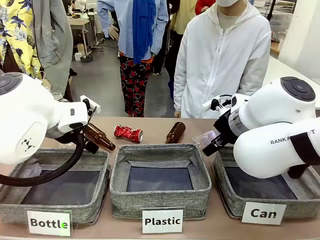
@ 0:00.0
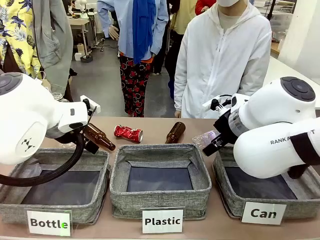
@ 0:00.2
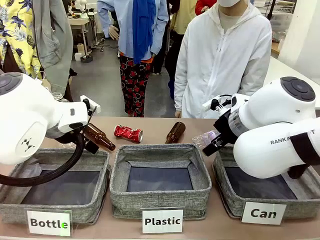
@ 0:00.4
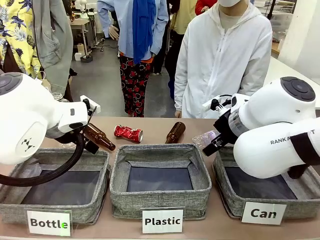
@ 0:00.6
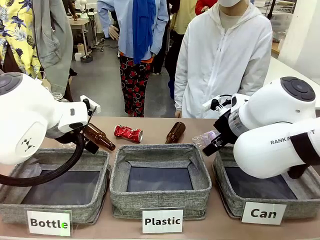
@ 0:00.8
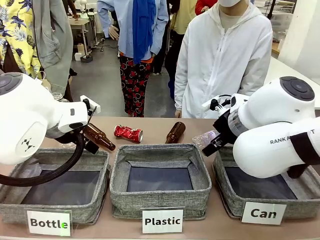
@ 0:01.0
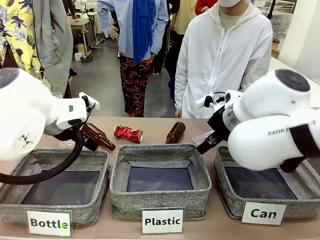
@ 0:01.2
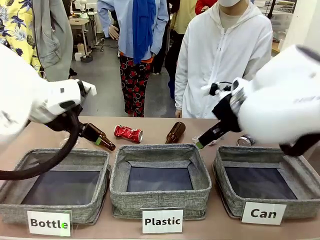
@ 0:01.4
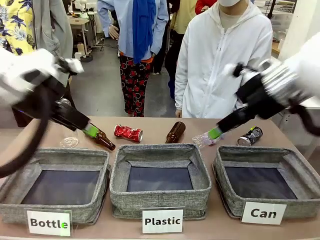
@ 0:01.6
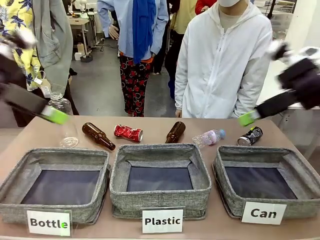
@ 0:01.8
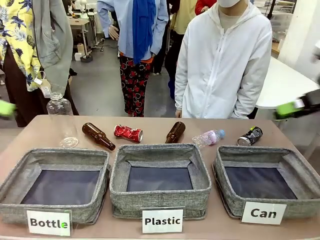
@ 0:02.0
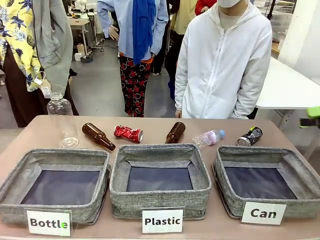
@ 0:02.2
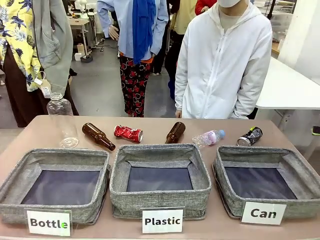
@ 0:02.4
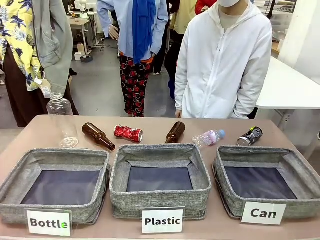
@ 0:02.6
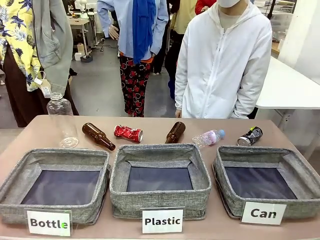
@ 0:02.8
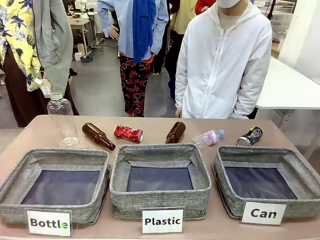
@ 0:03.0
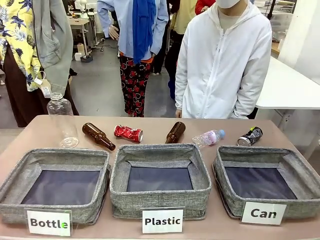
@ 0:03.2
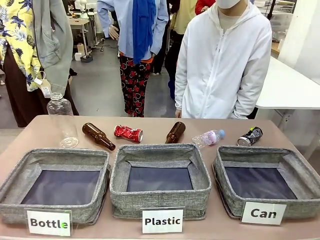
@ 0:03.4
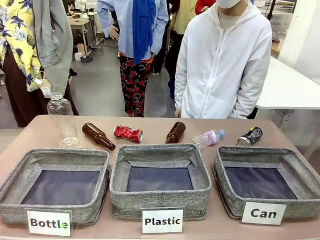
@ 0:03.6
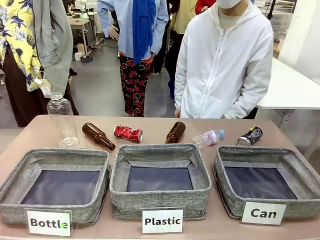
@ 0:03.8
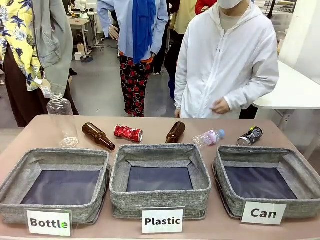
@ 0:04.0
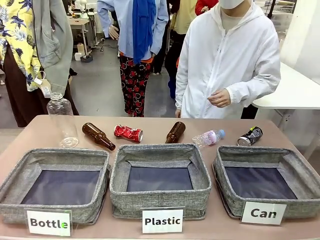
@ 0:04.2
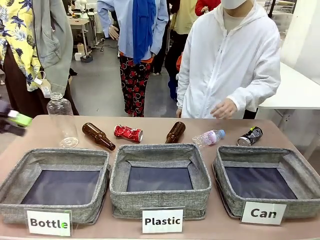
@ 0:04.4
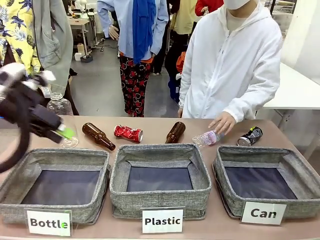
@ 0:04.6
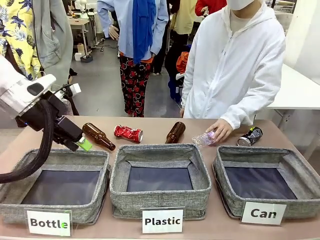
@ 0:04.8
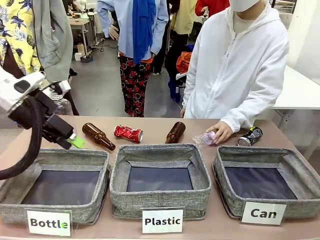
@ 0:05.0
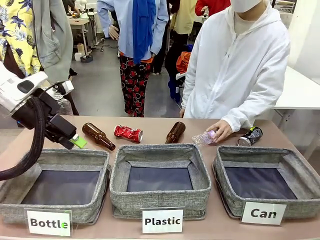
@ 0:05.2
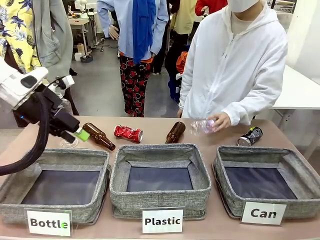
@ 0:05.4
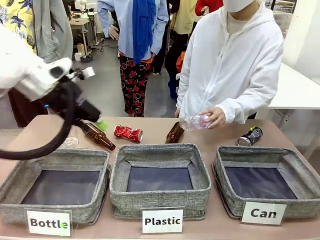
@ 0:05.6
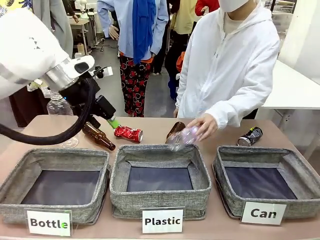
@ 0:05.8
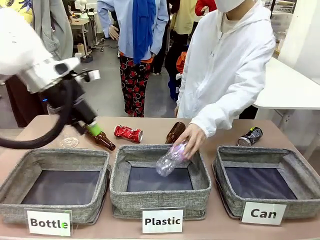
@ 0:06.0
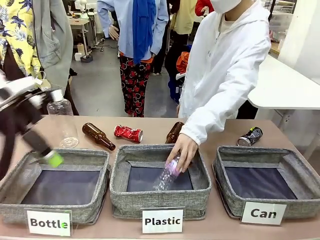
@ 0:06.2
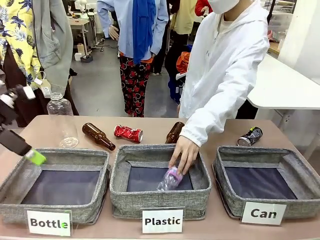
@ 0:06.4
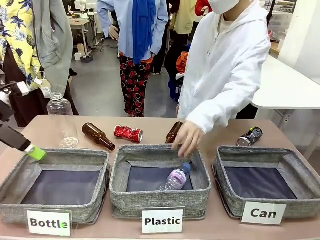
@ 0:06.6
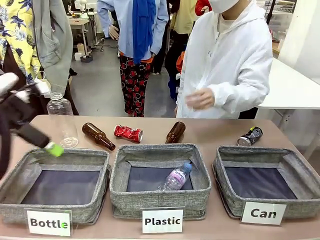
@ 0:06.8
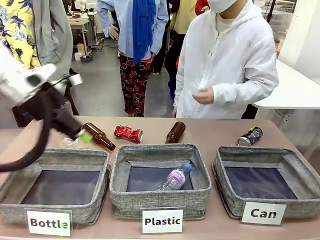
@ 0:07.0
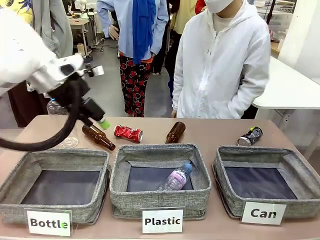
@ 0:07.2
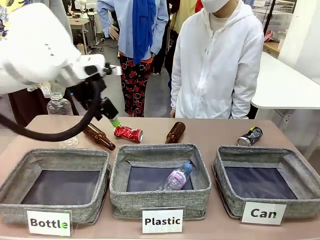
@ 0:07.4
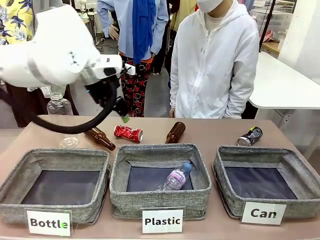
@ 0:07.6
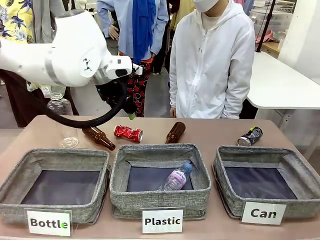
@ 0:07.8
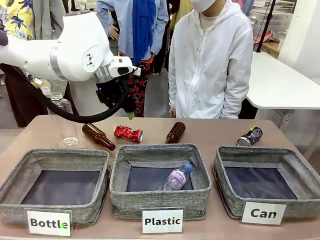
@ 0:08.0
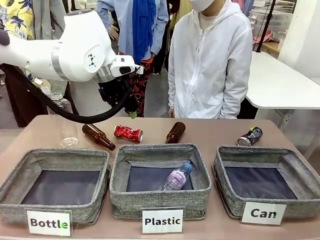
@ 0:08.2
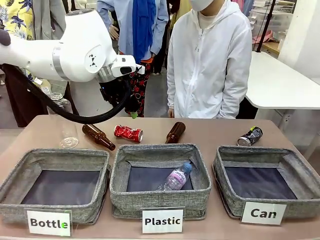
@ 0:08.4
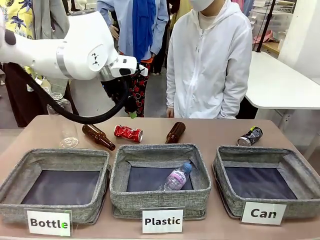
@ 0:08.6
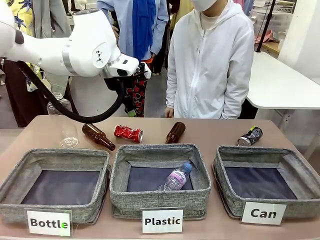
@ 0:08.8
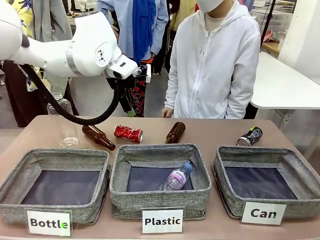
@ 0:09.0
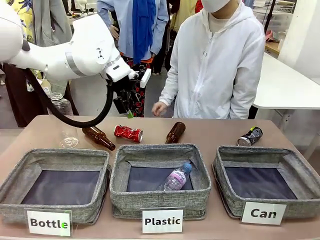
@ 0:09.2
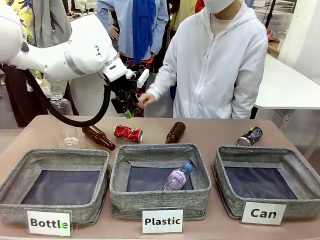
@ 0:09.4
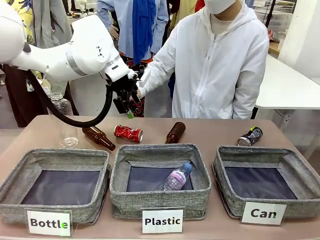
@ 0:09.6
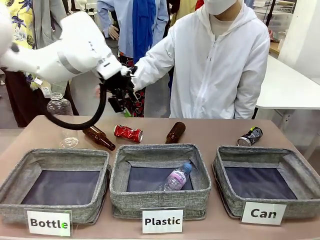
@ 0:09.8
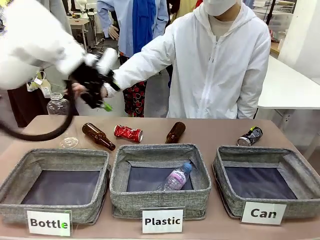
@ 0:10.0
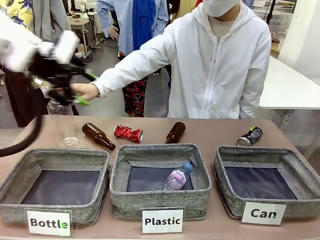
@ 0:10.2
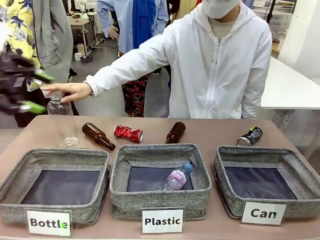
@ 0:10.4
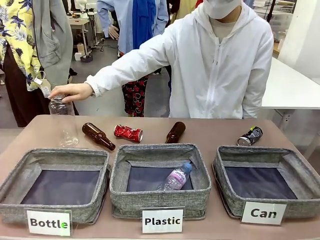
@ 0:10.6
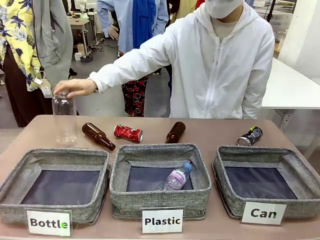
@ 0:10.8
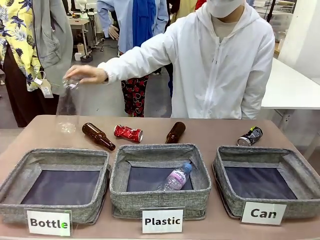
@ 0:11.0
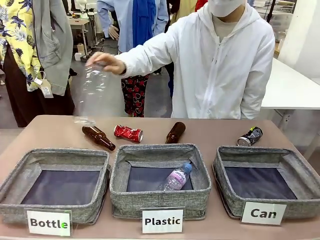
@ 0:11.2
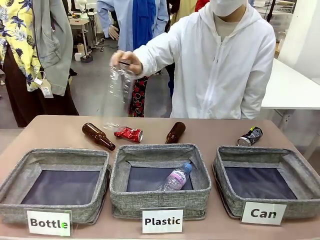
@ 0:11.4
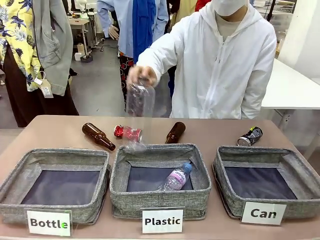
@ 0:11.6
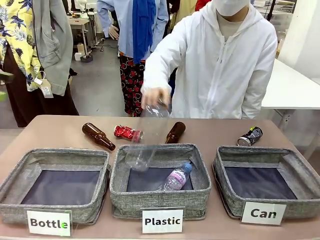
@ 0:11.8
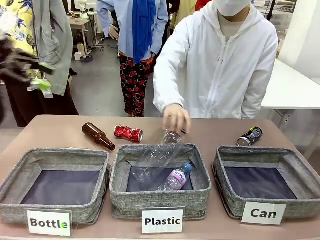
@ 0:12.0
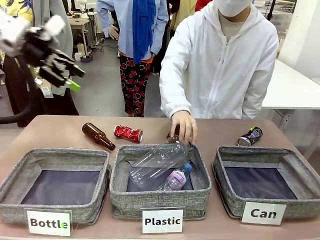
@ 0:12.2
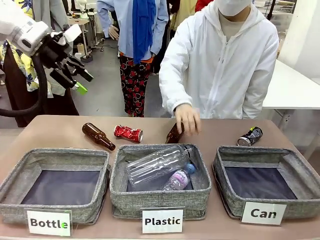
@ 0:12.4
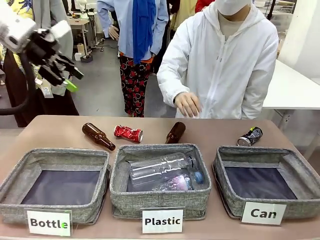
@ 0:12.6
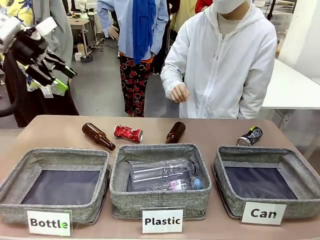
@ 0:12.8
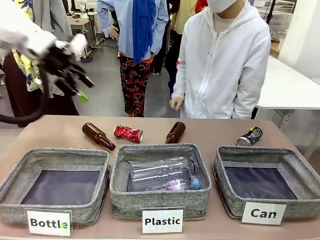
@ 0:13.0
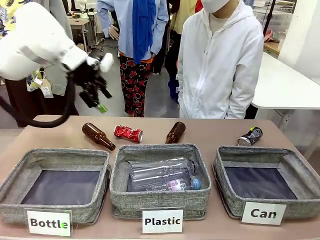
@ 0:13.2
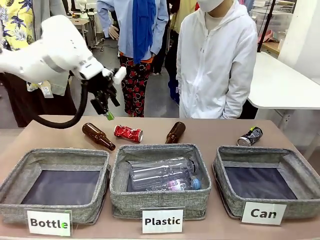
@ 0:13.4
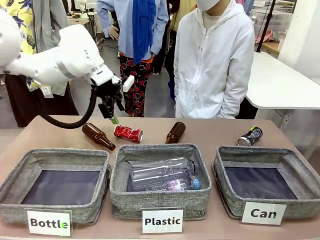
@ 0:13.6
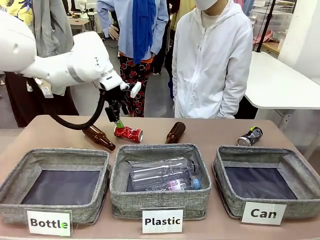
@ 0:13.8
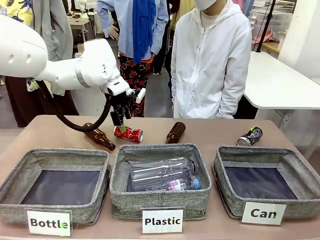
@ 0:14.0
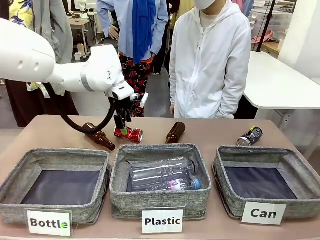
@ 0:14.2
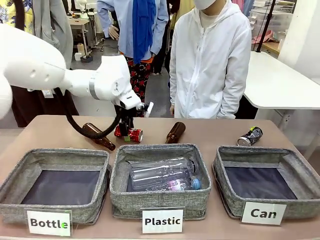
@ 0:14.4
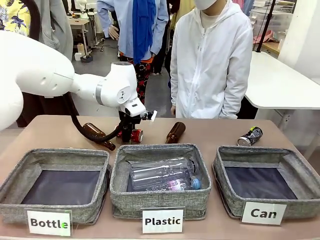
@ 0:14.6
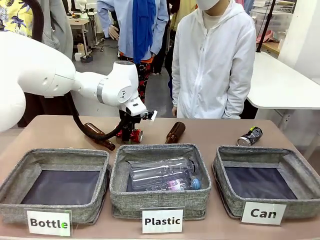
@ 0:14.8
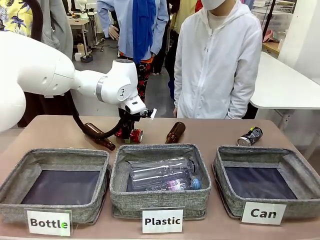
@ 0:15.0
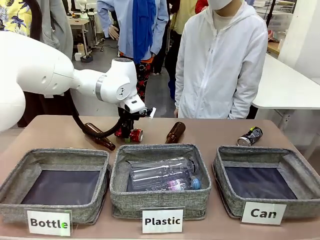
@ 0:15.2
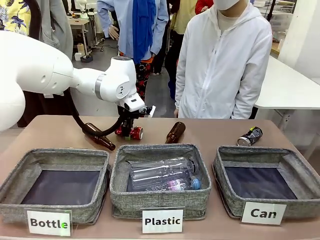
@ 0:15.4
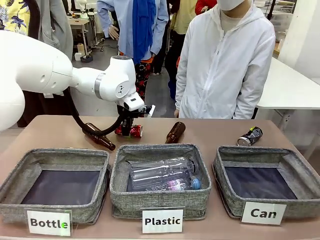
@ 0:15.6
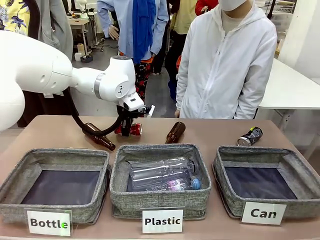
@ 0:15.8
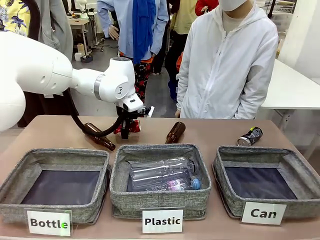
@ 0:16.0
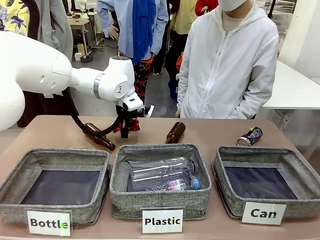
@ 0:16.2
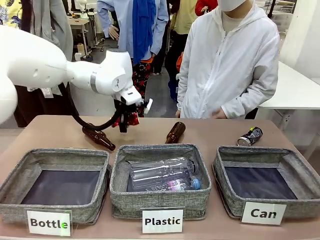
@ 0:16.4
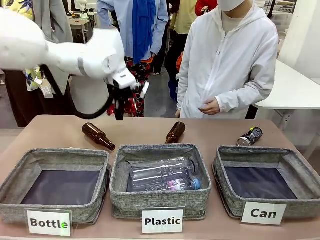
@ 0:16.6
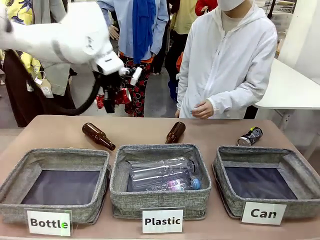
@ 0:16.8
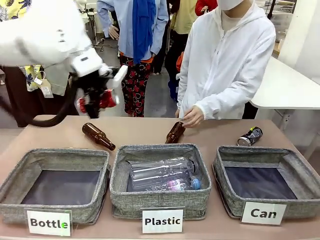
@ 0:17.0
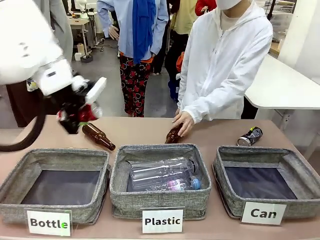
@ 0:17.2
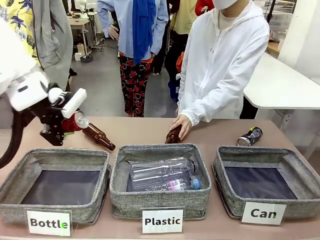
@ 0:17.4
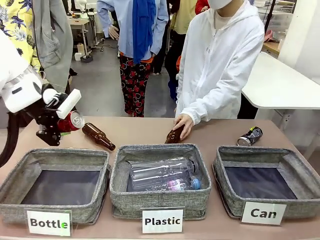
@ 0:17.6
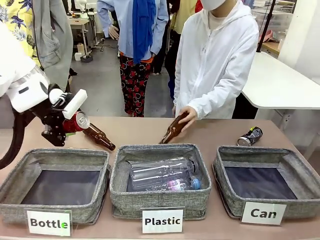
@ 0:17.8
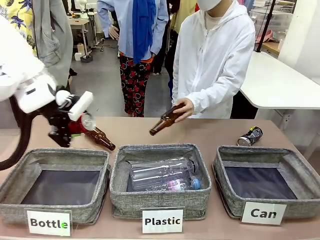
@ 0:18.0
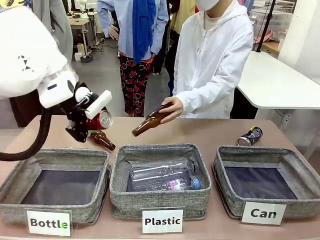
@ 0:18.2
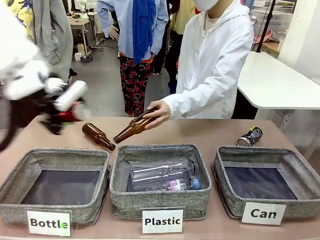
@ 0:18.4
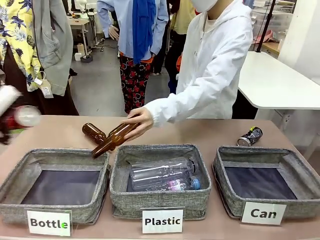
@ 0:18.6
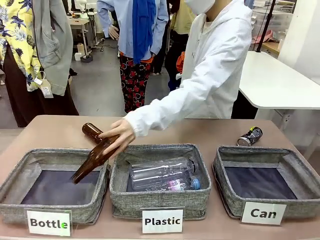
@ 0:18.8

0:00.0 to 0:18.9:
Task: Sort the can waste into the basket.
Robot: Pick up the can waste from the table and place it in the right Fabric basket.
